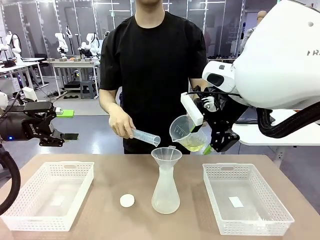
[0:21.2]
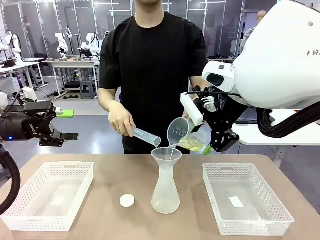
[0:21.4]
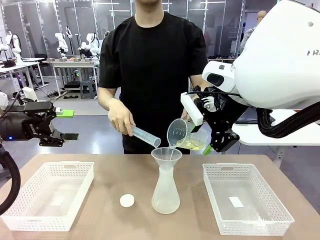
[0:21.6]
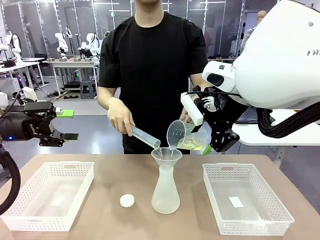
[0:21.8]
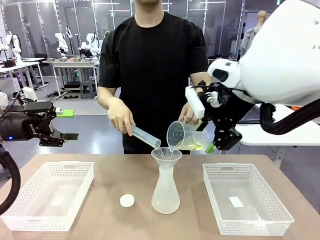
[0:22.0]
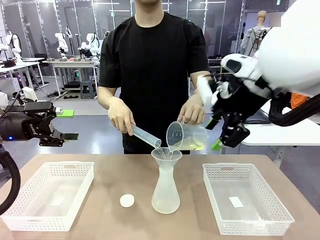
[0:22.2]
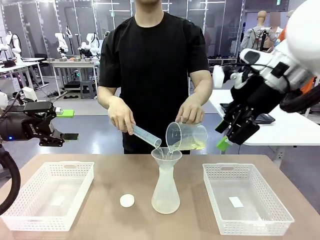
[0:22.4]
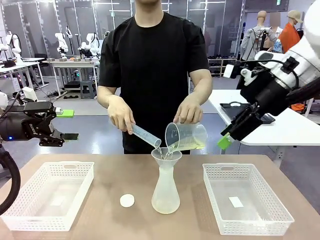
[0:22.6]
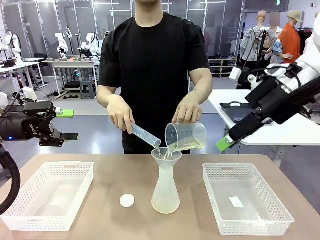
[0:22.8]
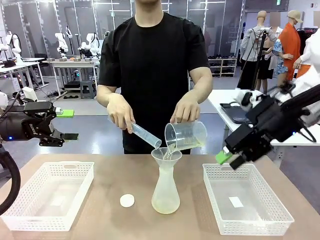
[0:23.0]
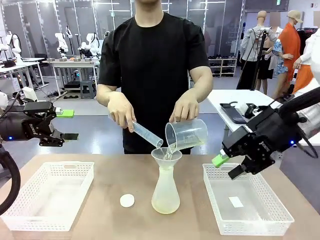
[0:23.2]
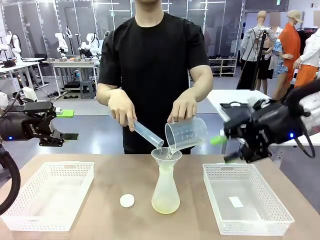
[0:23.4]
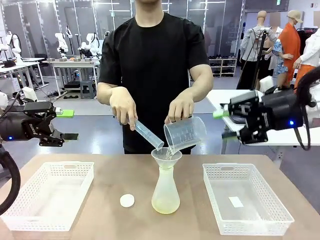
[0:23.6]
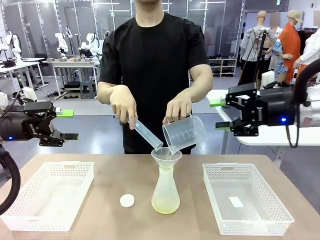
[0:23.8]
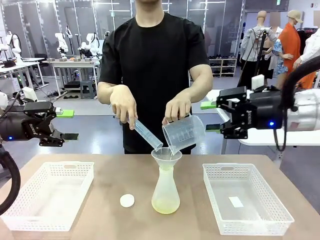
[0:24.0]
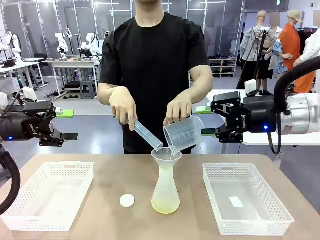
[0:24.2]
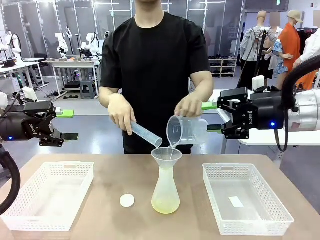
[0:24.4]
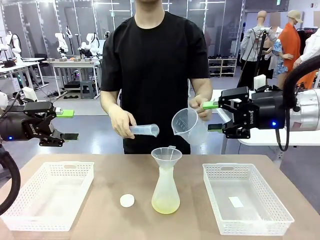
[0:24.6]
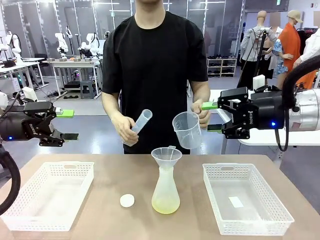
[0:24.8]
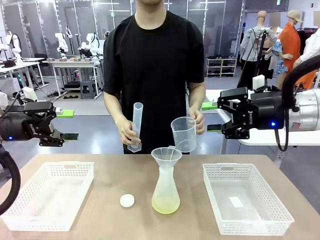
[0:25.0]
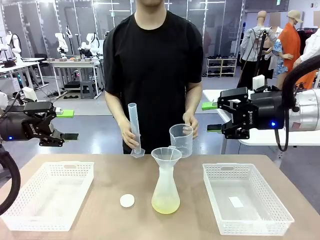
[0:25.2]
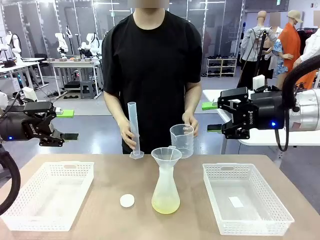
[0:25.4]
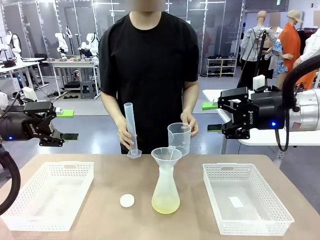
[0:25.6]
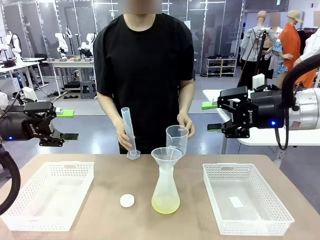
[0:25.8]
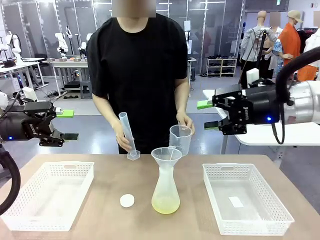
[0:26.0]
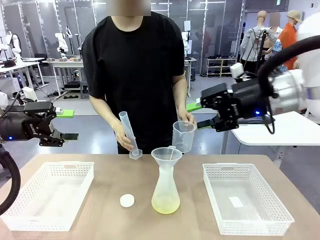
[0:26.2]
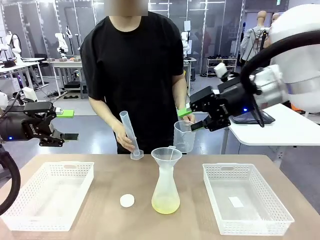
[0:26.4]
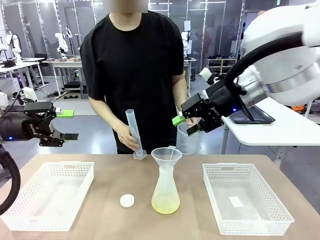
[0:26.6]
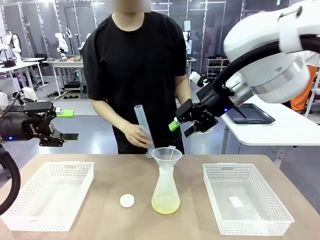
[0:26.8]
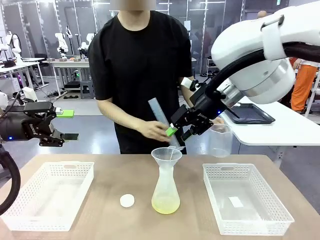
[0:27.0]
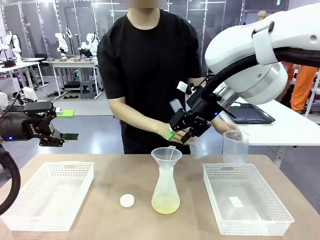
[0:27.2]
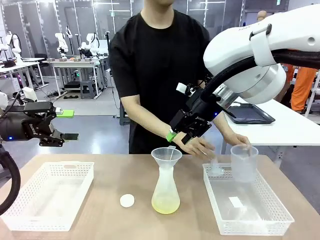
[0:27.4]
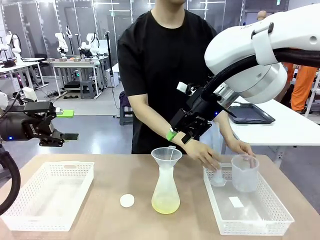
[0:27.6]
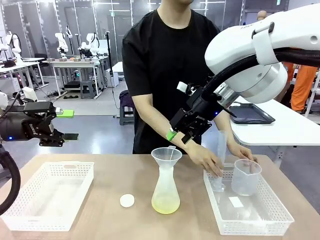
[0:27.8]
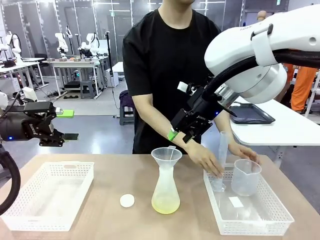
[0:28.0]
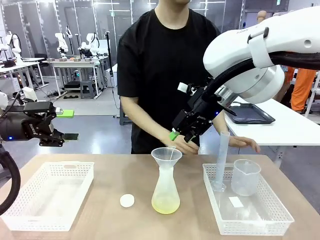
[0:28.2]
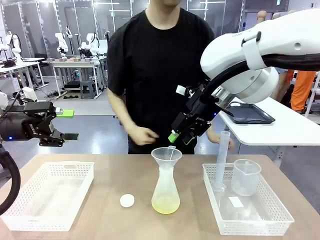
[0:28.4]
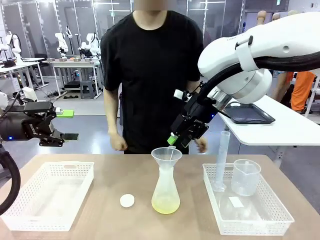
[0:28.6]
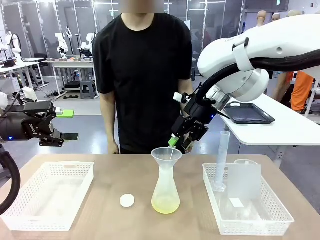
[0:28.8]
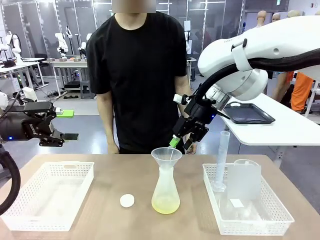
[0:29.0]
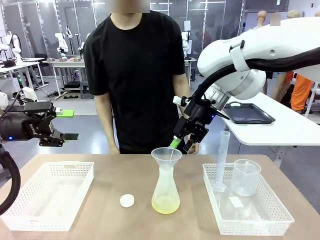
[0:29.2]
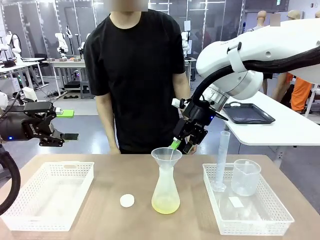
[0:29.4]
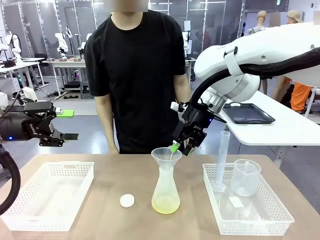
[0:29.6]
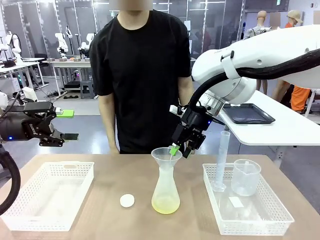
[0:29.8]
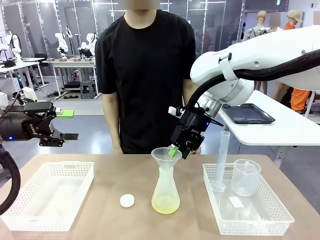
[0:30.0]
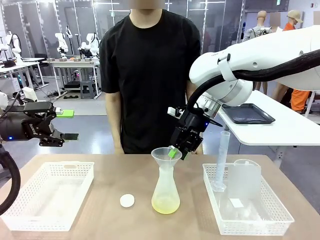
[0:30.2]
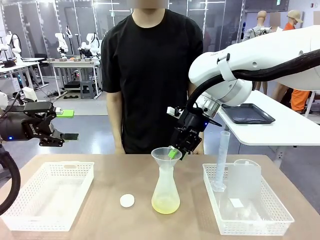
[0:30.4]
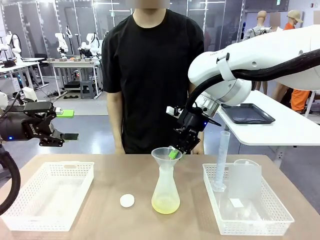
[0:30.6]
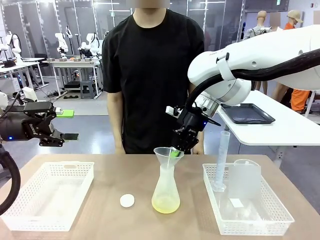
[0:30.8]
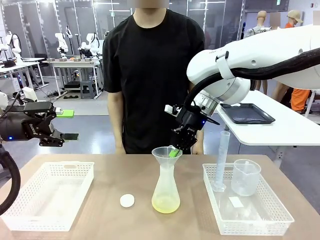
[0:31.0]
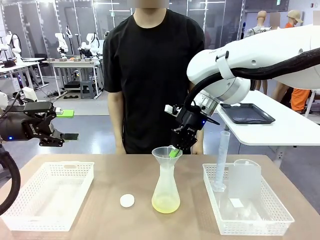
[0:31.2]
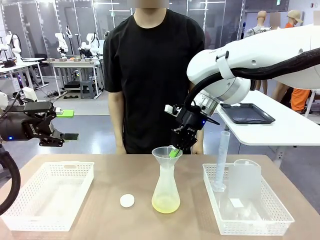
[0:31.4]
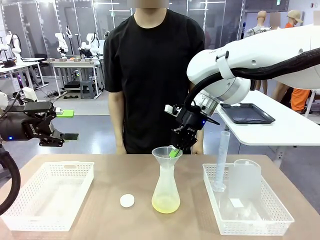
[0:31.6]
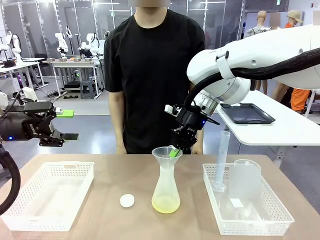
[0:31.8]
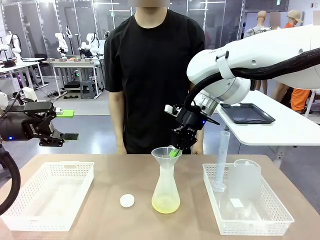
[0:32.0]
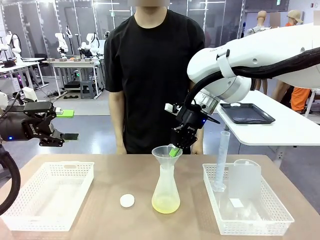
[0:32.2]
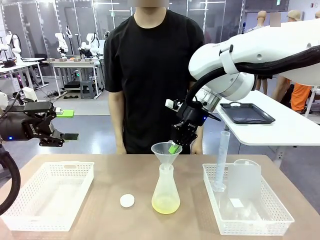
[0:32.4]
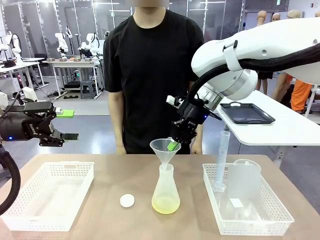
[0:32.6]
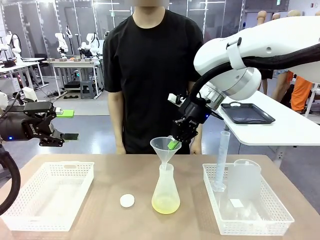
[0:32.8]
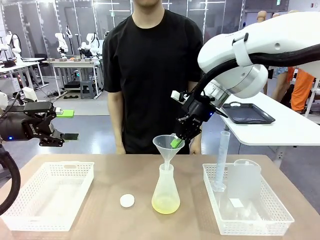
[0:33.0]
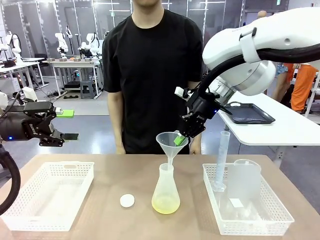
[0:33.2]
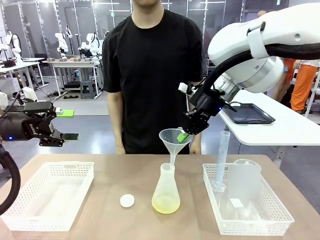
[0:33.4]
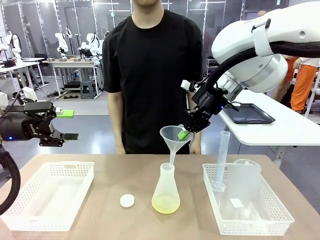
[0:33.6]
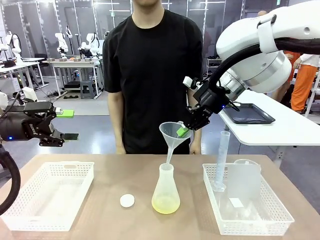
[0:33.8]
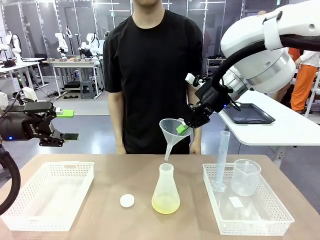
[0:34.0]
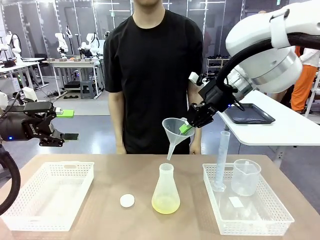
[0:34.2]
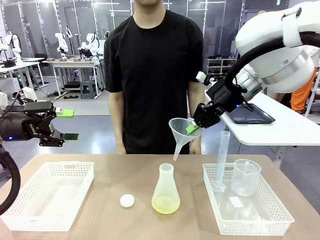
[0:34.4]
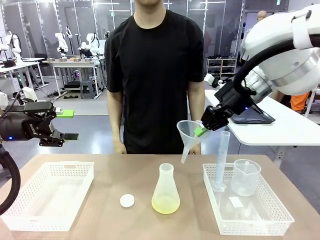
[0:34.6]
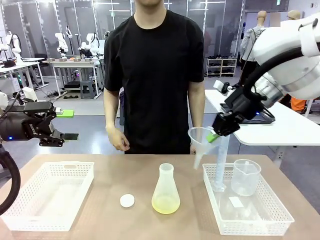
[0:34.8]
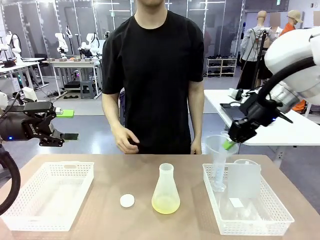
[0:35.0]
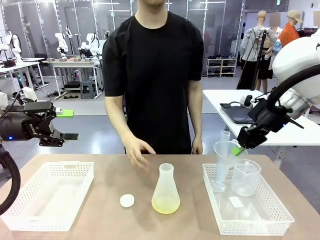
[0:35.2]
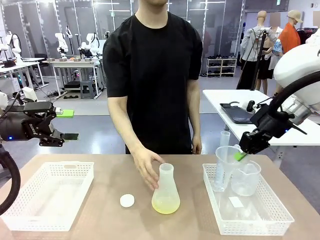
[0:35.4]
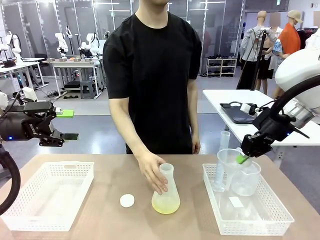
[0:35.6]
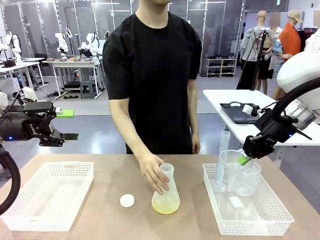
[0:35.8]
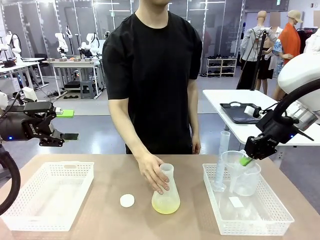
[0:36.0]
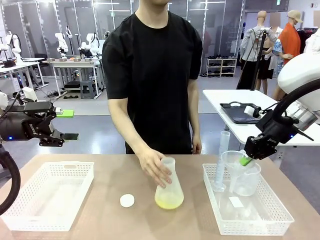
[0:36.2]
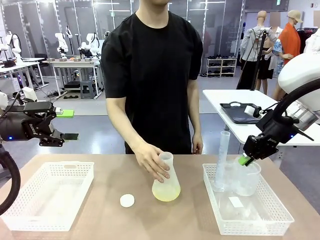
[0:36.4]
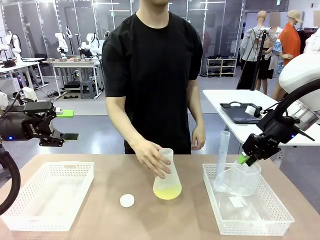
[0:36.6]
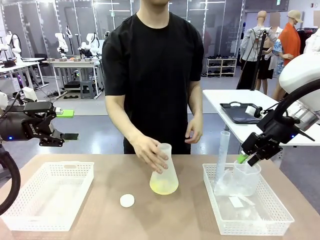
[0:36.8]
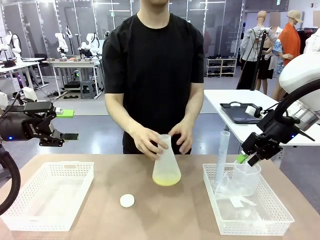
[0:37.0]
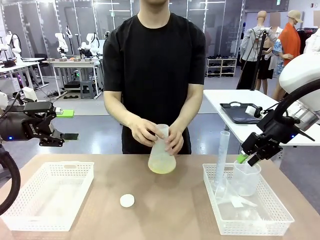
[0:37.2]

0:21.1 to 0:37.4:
Task: Prepare the solutions needed for the experiment.
Robot: Once the solution is in the Big flask , pick up the Plastic Funnel and place it back into the right Organizing basket.
Person: Place the beaker and the cylinder into the organizing basket on the left side. Pick up the flask, gently shake it 2–3 times, place it in the middle of the robot table, and close the lid.

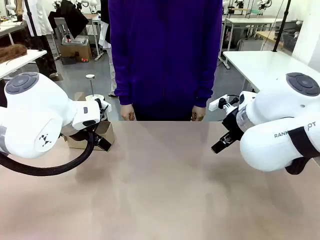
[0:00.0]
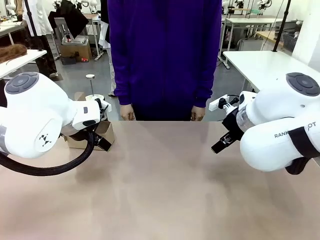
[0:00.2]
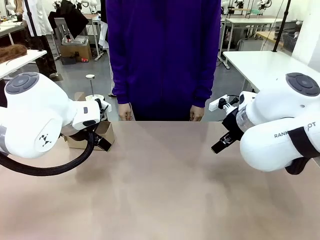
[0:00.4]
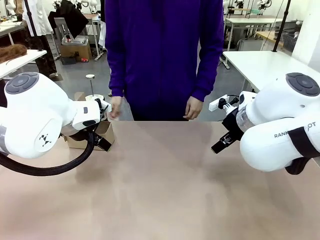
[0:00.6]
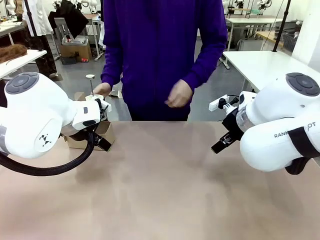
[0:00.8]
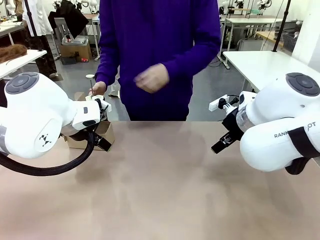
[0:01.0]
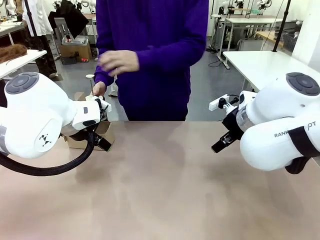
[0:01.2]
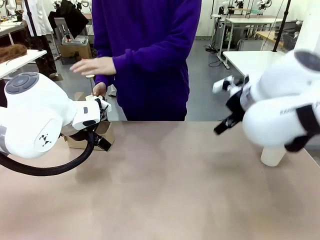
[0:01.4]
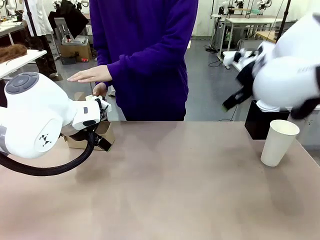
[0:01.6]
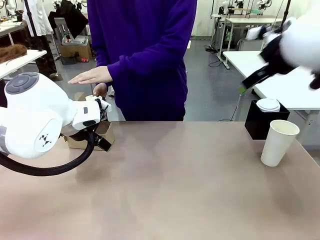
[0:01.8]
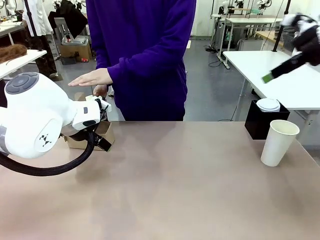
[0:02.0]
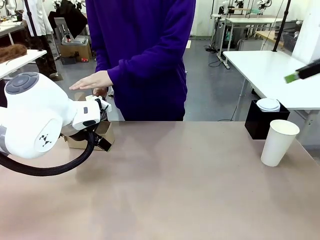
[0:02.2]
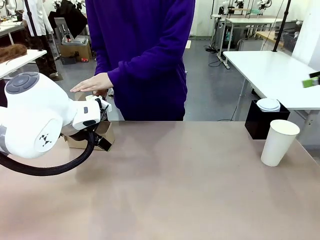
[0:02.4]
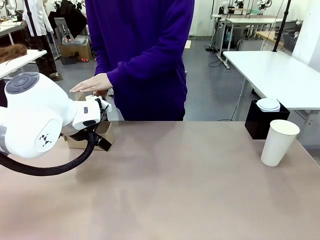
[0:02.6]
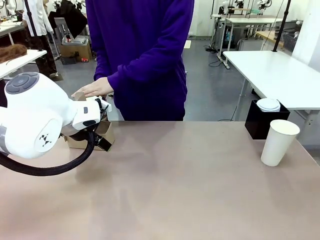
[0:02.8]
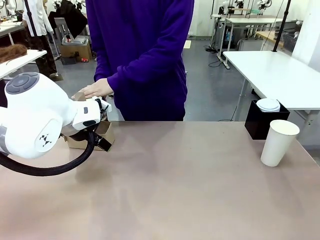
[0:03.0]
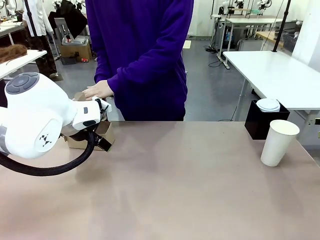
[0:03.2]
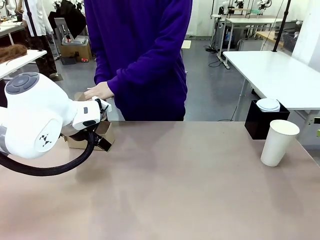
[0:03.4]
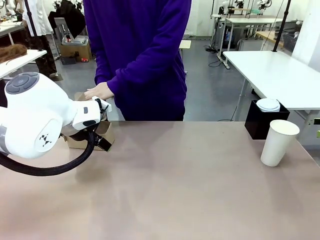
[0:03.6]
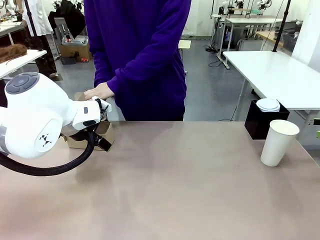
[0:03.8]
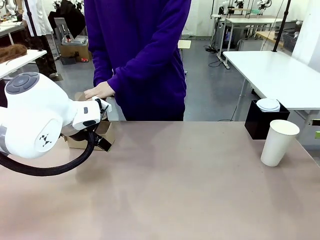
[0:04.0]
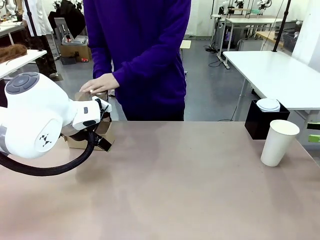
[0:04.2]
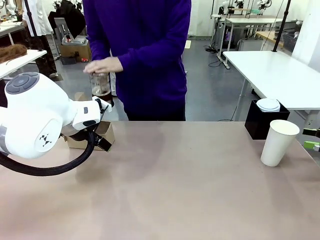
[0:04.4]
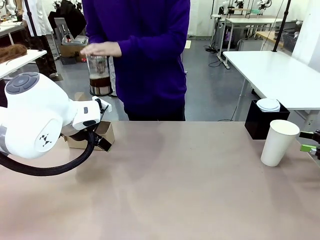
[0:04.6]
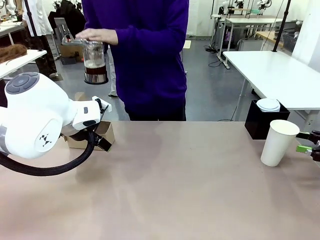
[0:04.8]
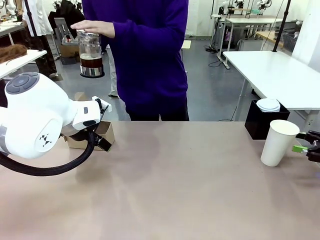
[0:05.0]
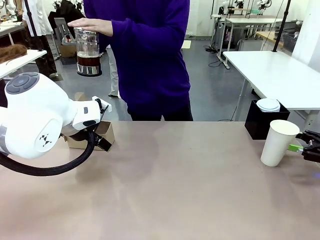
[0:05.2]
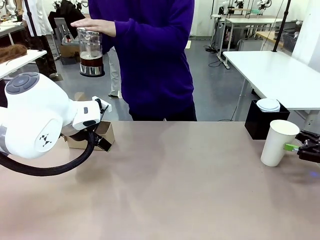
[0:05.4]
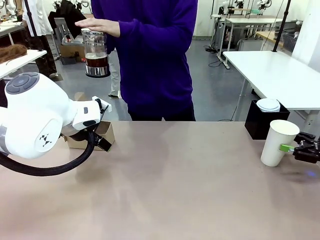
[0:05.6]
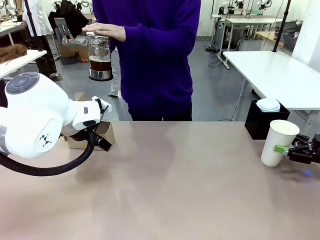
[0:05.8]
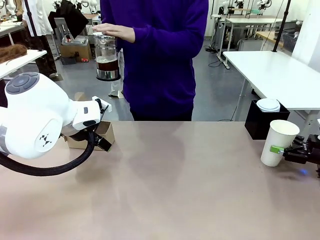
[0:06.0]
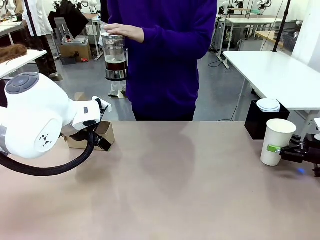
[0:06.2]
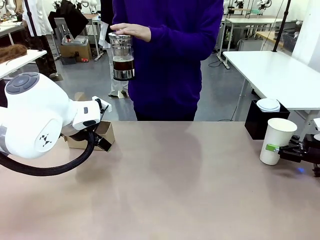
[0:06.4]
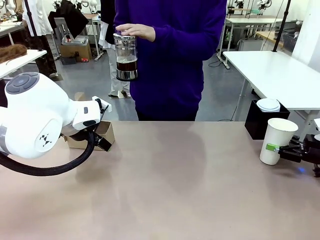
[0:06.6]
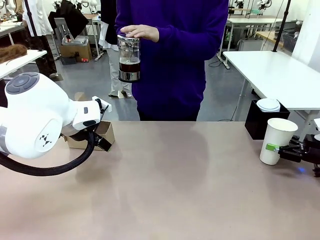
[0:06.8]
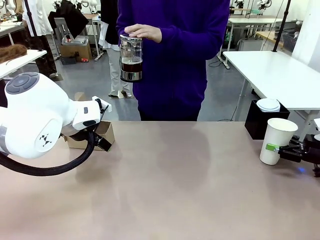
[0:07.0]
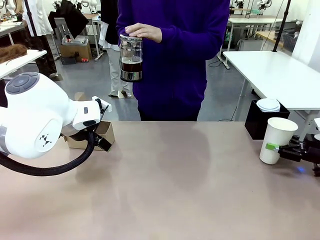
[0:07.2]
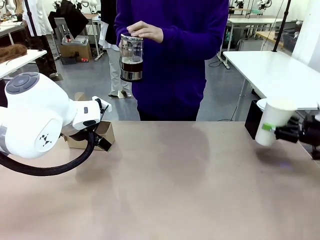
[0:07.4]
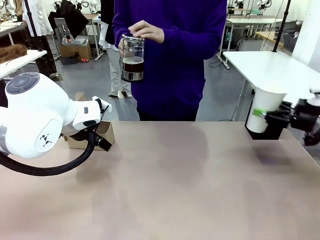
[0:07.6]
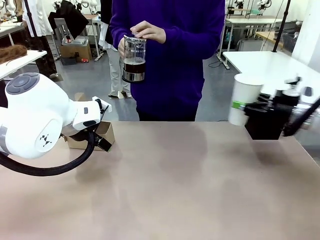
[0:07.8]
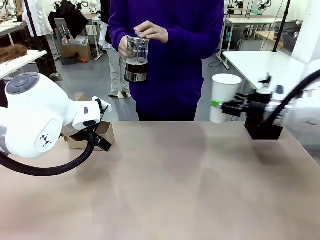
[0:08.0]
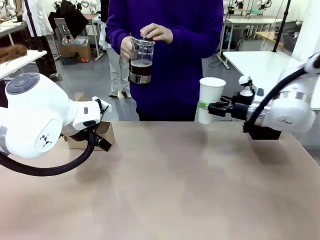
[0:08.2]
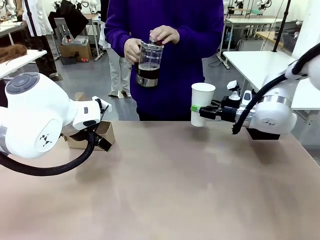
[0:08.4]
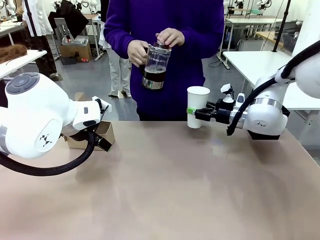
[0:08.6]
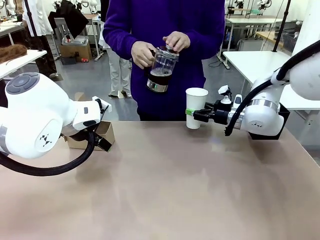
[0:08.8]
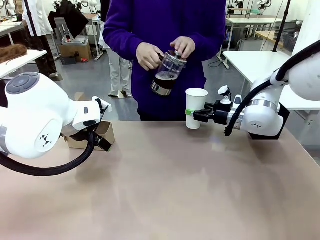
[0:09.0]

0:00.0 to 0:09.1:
Task: Pour a drink into a cup and package it in a carrier.
Robot: Pick up the 600 ml Paper Cup and place it in the middle top area of the table.
Person: Press and pick up the Filter Brewing.
